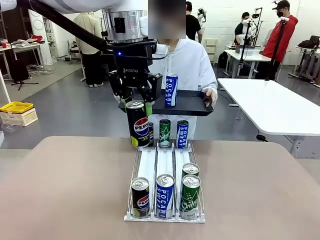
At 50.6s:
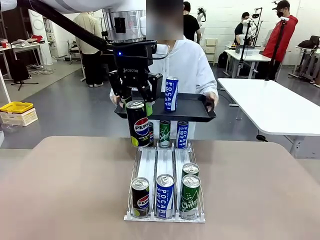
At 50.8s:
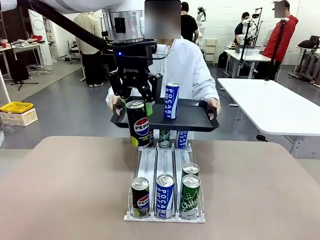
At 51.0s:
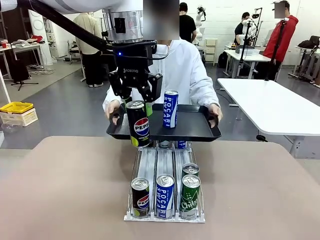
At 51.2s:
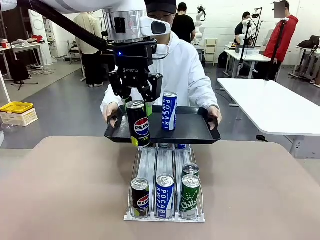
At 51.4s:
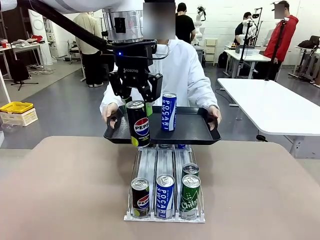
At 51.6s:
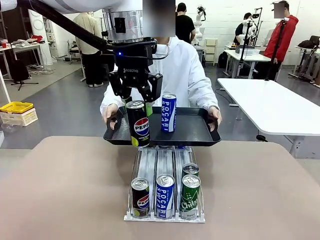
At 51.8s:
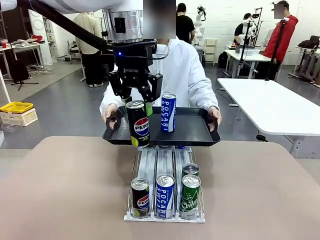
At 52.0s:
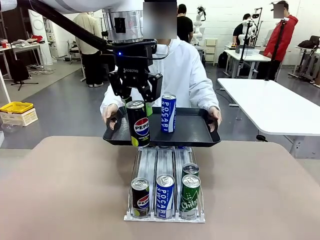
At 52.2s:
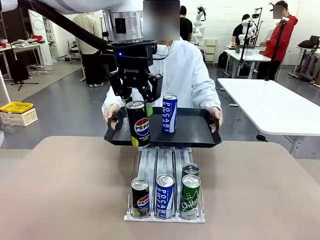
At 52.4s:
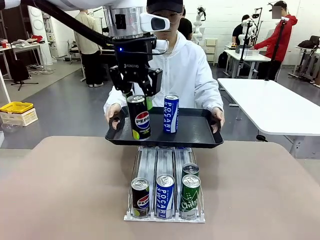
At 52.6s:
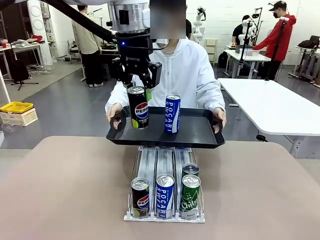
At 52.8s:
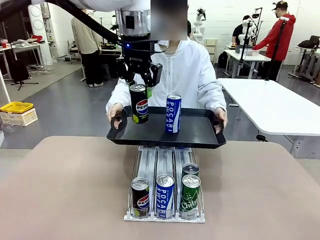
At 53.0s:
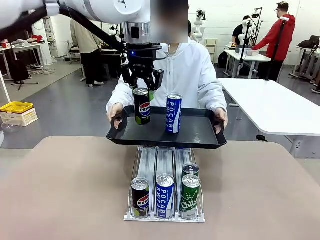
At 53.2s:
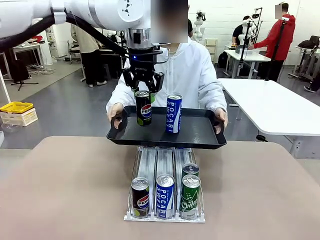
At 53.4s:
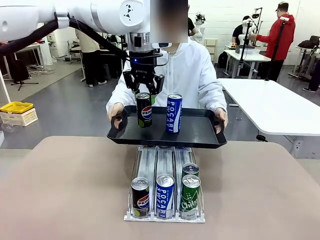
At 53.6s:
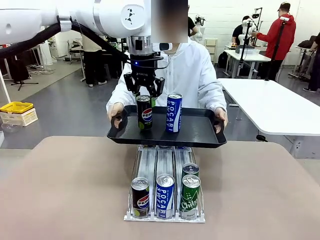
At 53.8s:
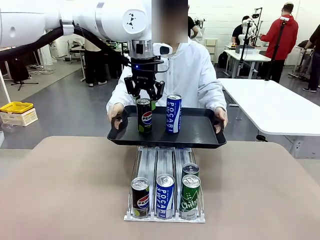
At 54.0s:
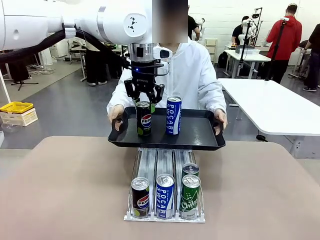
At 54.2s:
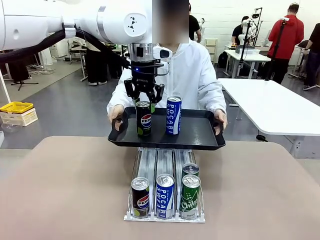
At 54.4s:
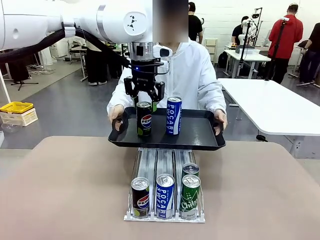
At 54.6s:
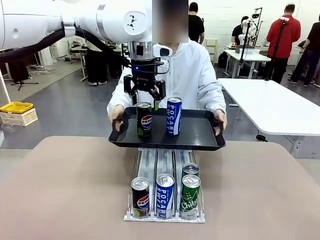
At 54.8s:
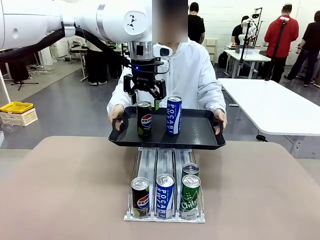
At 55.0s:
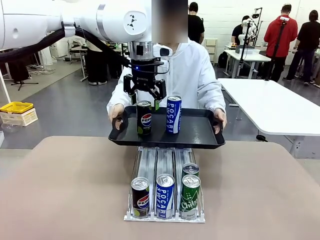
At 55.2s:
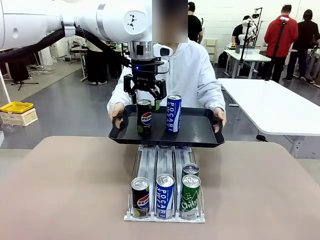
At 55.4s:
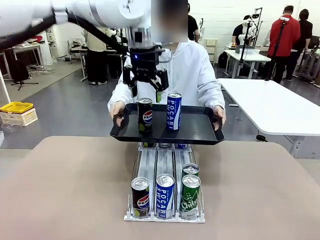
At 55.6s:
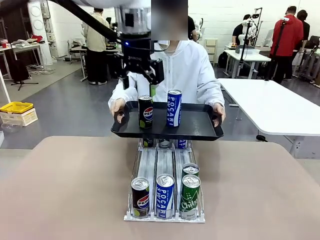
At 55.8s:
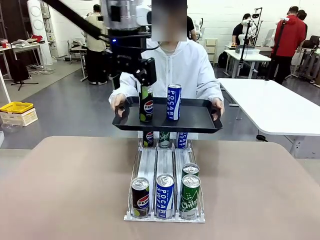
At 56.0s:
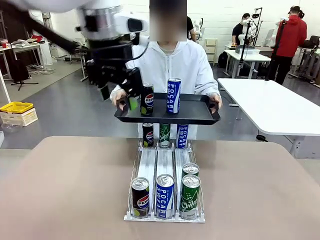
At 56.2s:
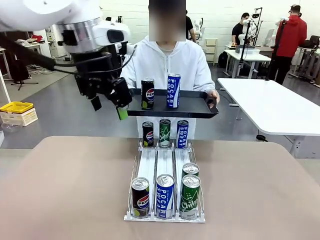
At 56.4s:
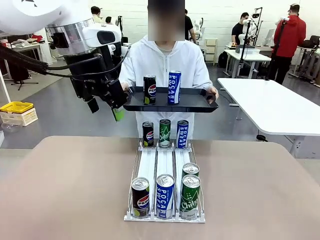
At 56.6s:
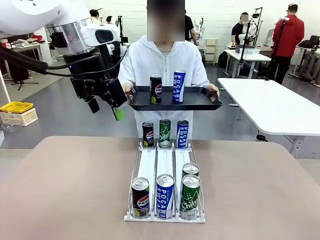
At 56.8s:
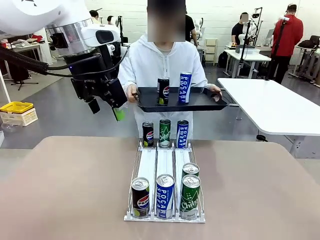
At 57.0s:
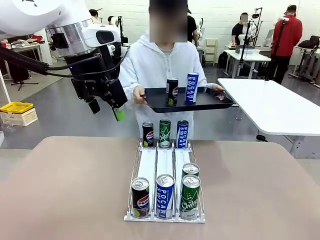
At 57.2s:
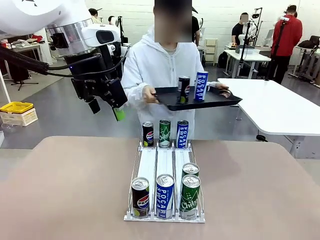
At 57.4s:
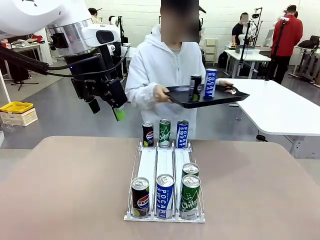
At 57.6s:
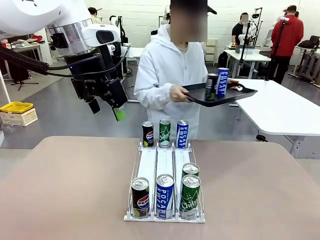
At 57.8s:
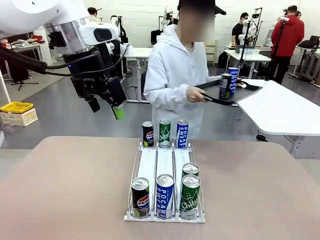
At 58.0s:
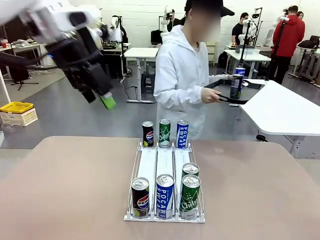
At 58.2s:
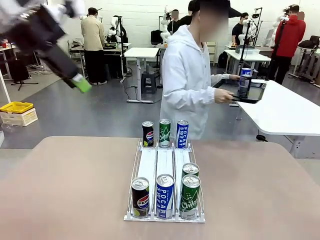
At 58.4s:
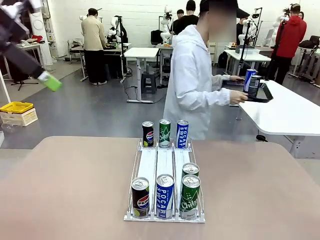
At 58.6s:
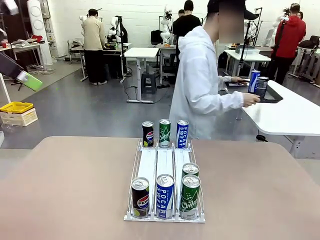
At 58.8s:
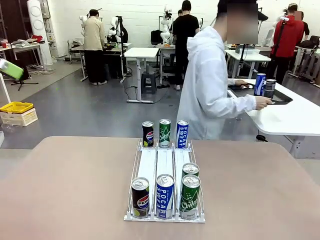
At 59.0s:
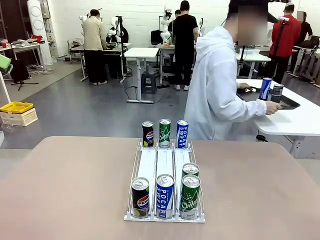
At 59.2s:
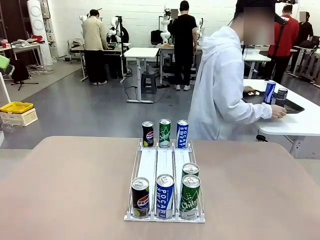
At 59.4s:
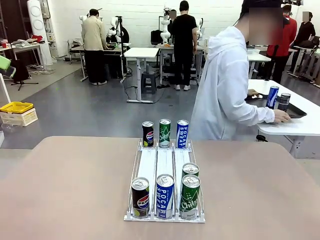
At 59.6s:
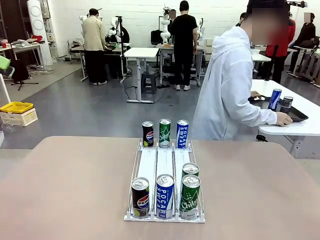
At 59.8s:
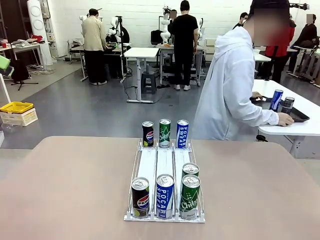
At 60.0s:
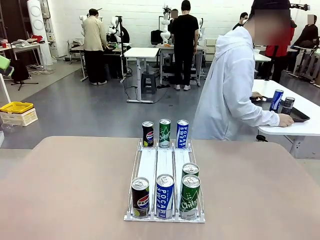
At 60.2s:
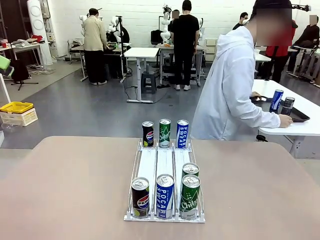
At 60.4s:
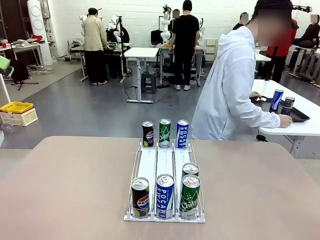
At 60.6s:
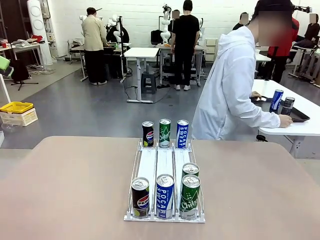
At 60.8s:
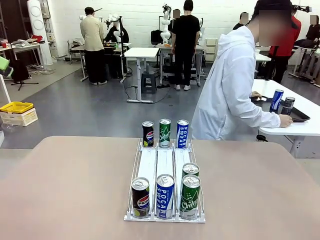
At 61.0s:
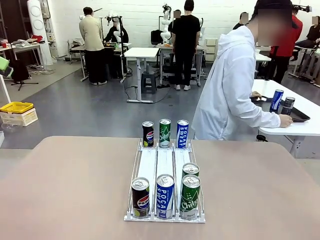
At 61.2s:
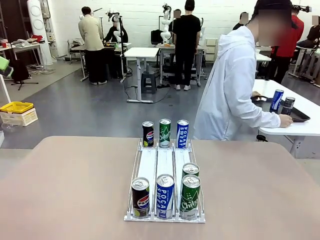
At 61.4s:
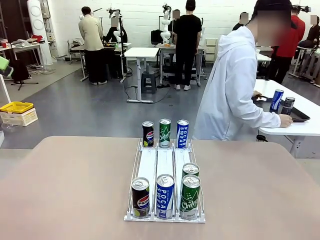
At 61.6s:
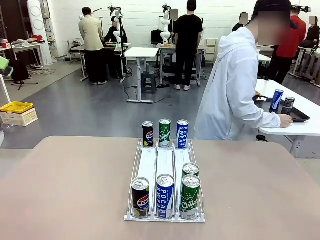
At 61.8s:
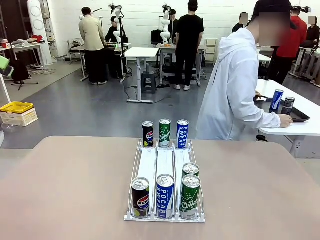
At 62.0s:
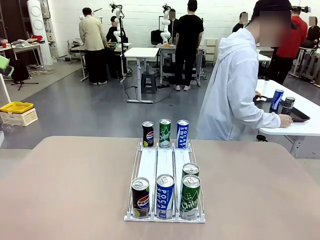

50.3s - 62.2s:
Task: Retrieve and hand over the desired beverage to the person.
Robot: Place the picked can on the Handle tray extended by the person.
Person: Pull the tray back and place it at the center of the human table.

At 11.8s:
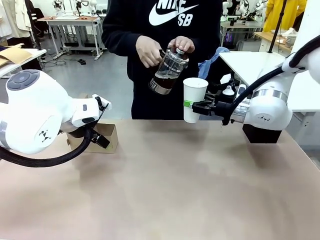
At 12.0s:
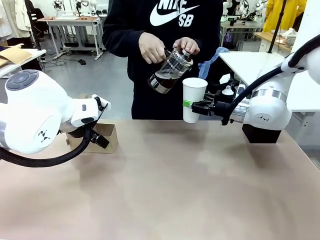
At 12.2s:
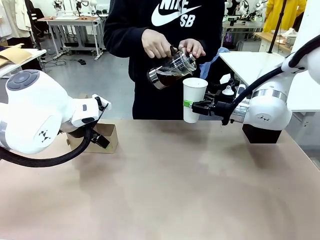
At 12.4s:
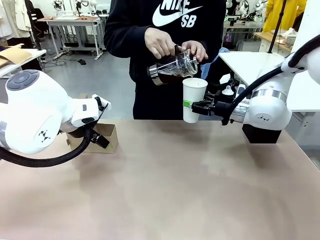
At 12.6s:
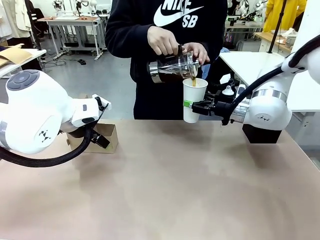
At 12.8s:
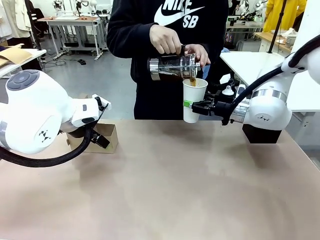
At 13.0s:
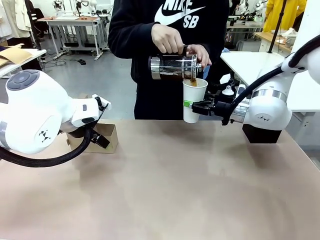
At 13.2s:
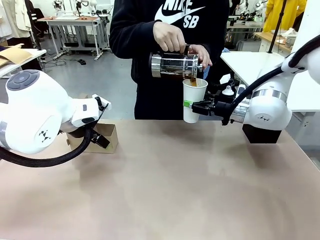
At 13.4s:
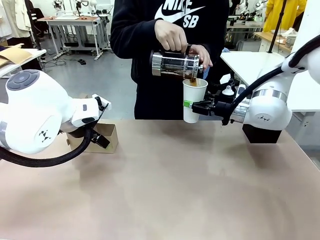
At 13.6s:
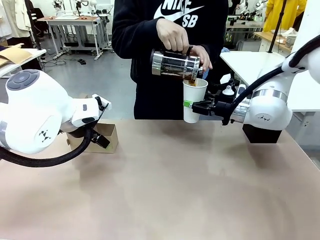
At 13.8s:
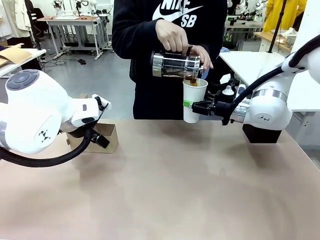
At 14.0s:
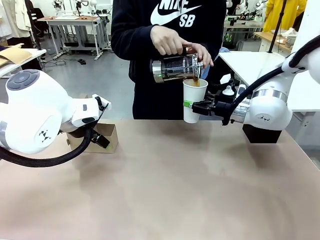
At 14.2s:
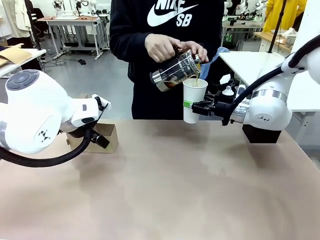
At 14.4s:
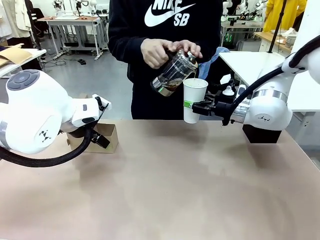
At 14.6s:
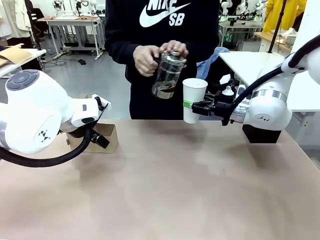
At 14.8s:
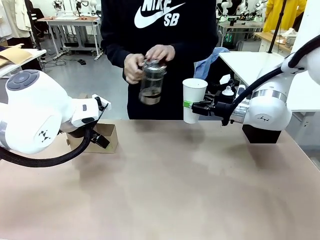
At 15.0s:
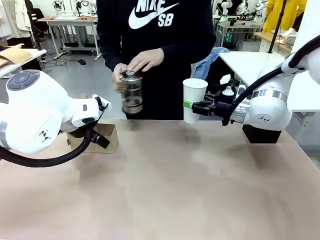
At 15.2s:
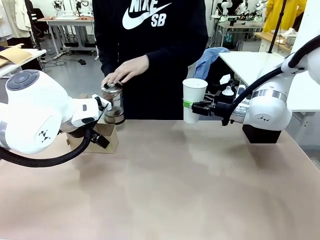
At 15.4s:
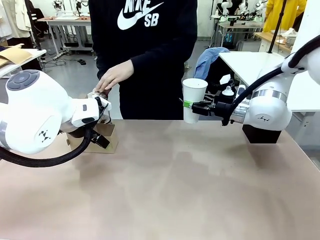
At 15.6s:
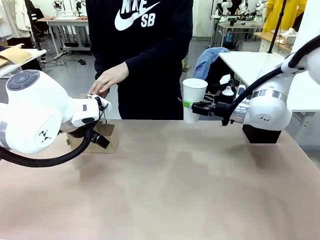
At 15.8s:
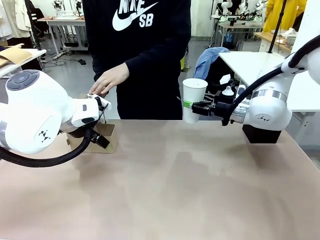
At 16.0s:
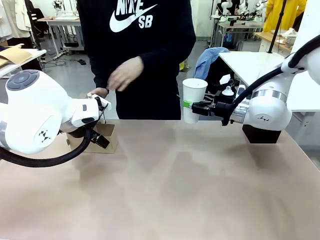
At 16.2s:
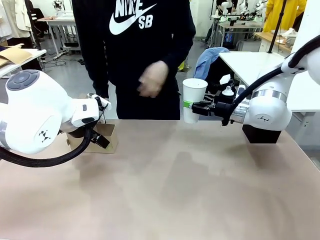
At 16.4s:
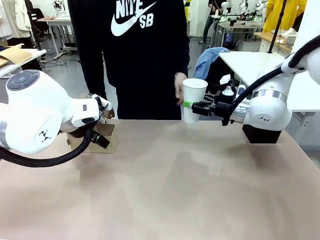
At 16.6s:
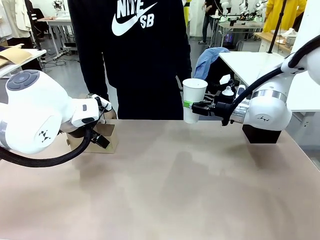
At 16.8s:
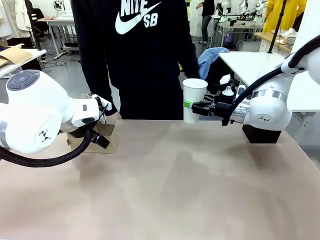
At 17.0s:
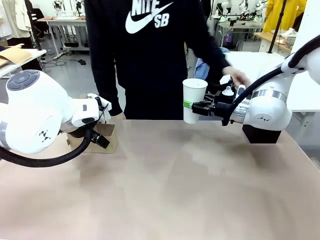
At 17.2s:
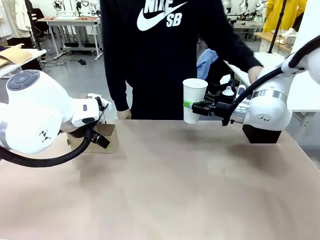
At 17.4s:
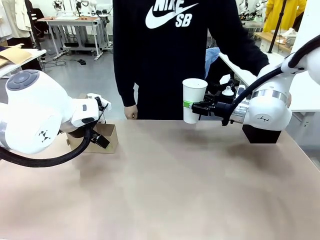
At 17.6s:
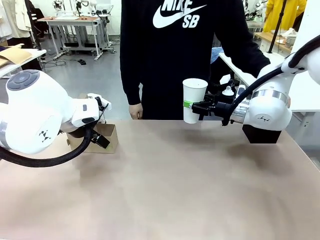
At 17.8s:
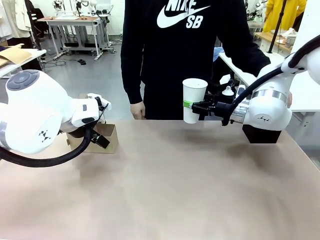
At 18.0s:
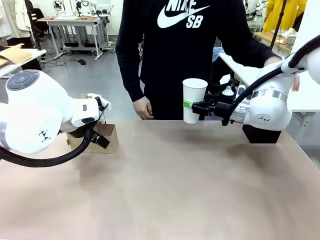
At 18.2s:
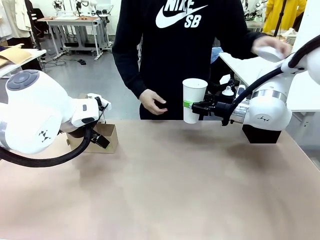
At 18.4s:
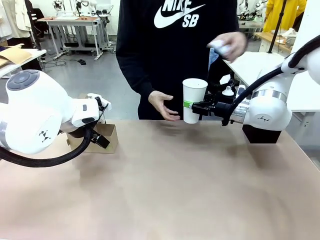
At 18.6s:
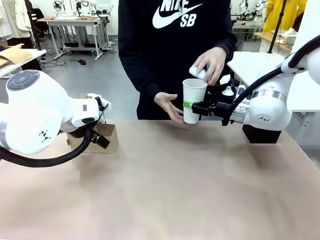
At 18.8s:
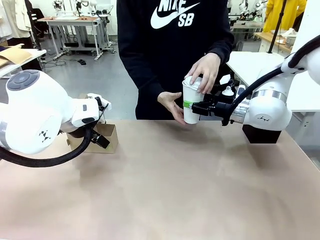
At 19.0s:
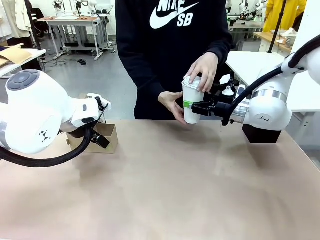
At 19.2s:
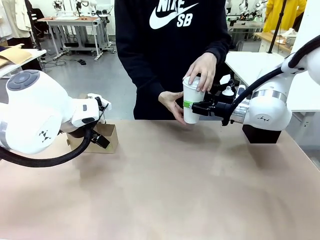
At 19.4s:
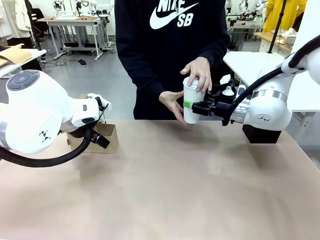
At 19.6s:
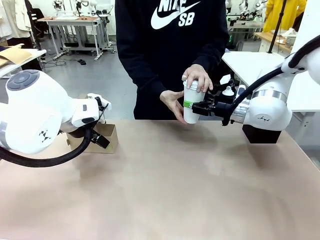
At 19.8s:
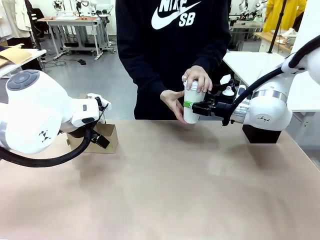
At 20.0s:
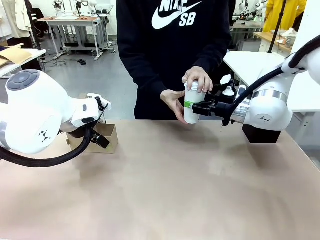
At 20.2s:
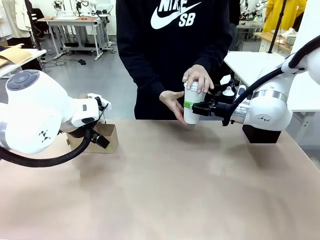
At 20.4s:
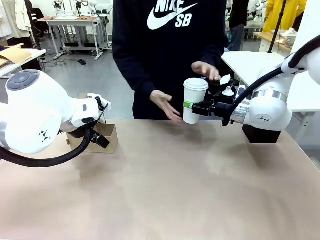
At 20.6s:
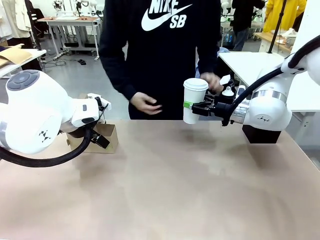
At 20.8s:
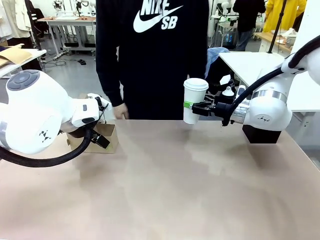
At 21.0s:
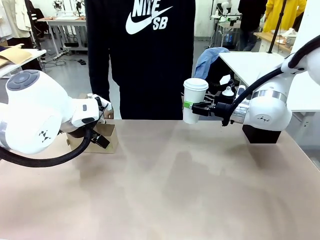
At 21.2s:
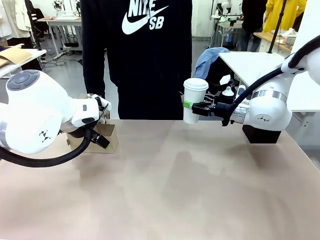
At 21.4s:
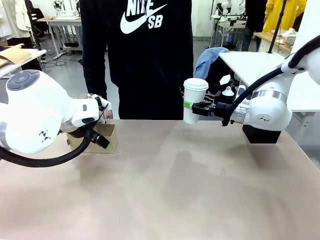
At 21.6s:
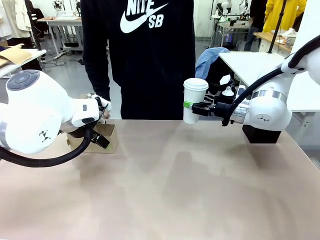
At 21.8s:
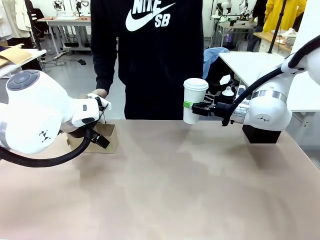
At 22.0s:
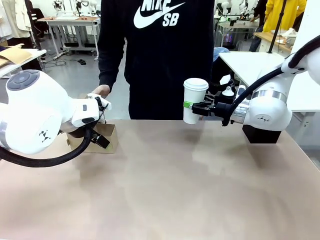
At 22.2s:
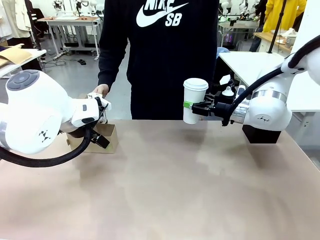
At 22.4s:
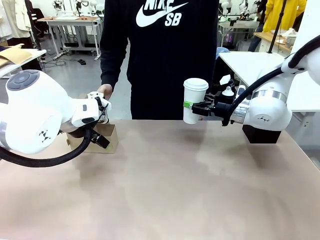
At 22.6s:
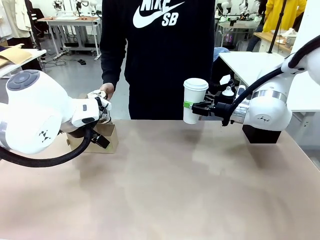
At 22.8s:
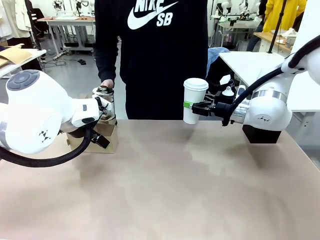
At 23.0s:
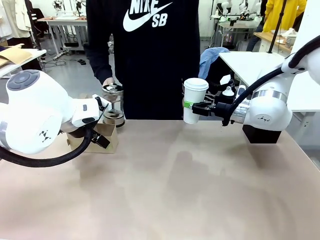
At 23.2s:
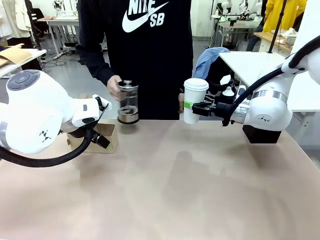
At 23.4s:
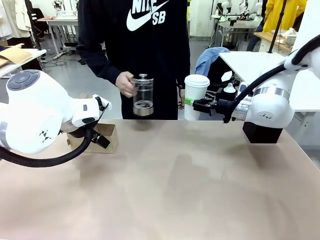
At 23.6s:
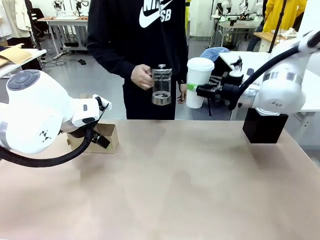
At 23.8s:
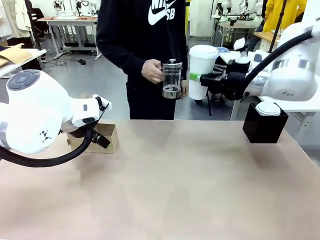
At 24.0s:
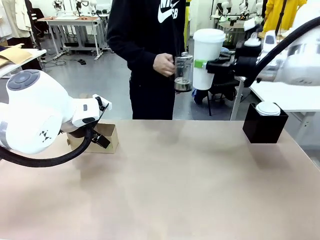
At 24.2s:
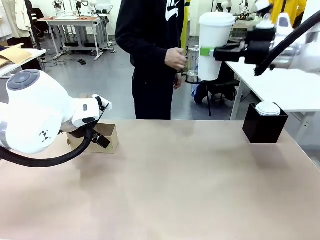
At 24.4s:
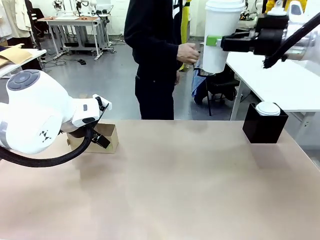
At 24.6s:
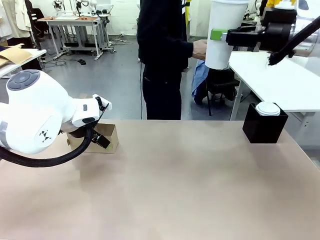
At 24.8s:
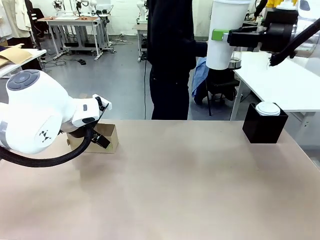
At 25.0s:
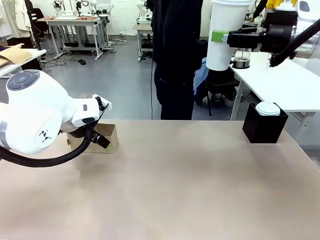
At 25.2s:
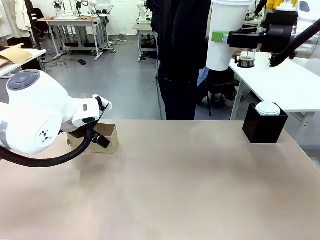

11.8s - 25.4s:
Task: Pour a drink into a cup and package it in a carrier.
Robot: When a person places the Paper Cup Lid on the 600 ml Paper Cup , lift the 600 ml Paper Cup.
Person: Place a Paper Cup Lid on the 600 ml Paper Cup.
